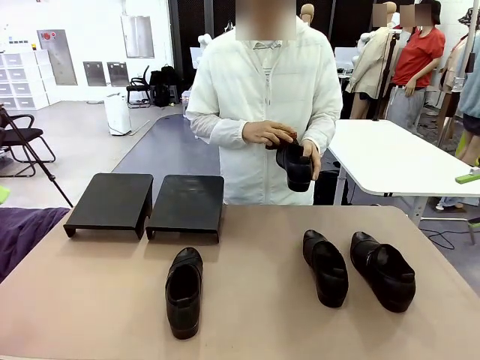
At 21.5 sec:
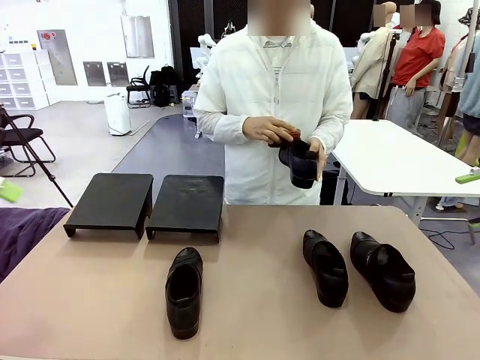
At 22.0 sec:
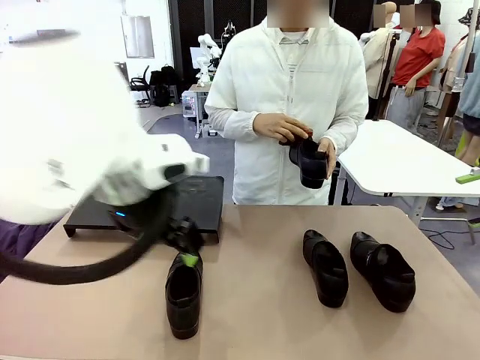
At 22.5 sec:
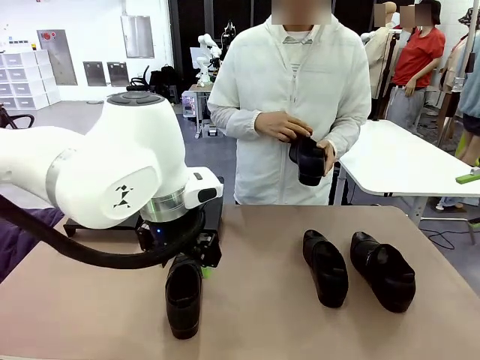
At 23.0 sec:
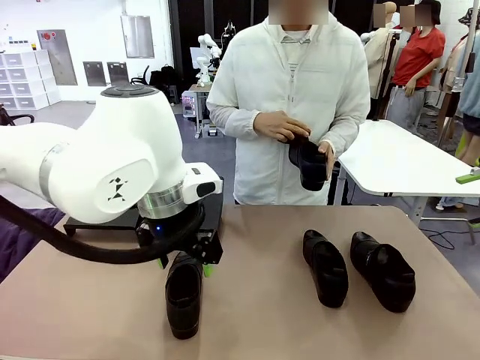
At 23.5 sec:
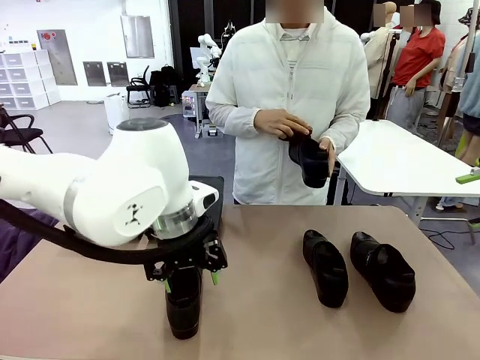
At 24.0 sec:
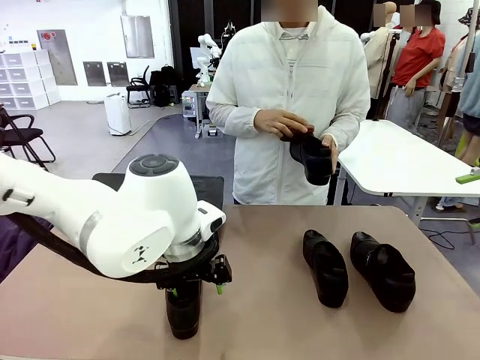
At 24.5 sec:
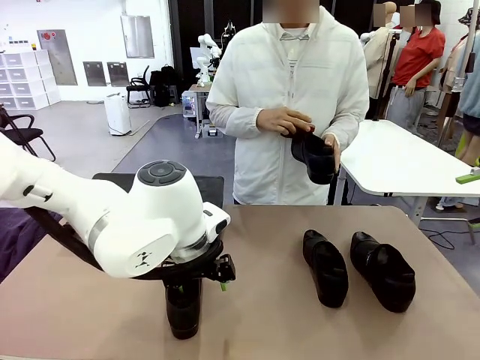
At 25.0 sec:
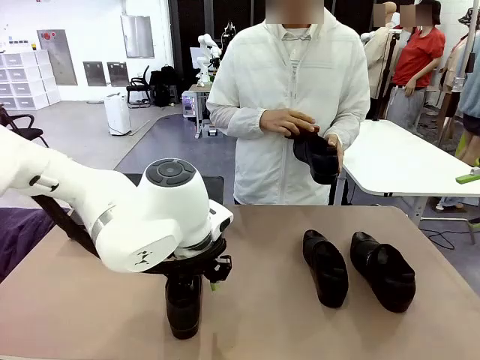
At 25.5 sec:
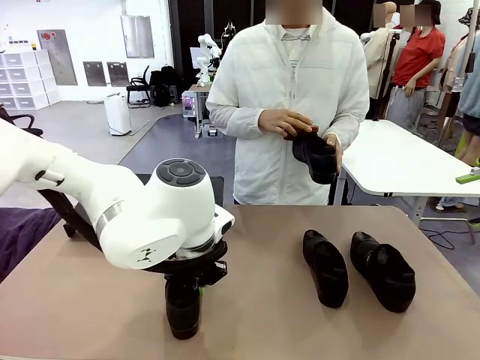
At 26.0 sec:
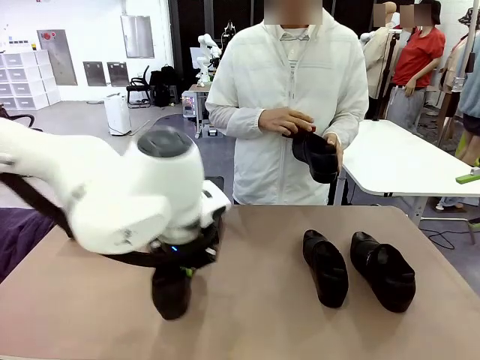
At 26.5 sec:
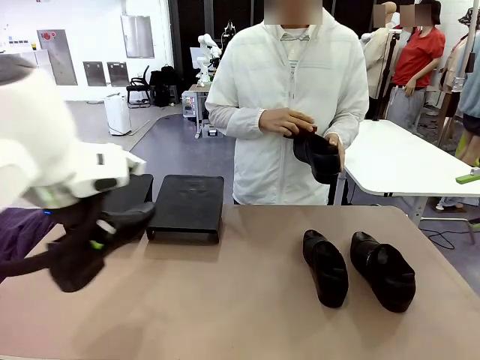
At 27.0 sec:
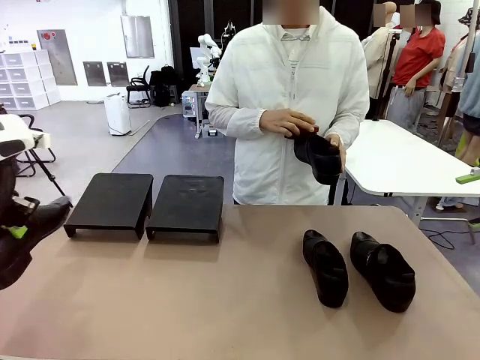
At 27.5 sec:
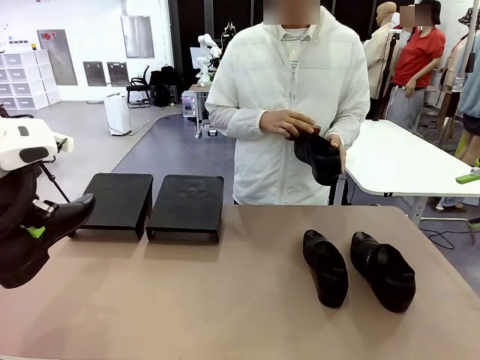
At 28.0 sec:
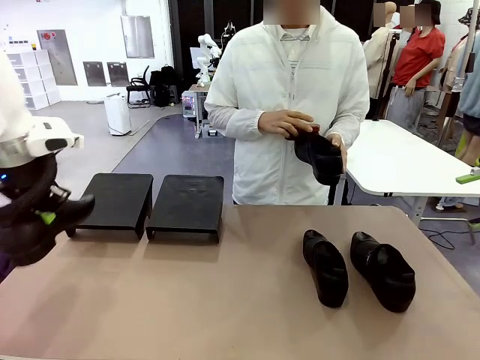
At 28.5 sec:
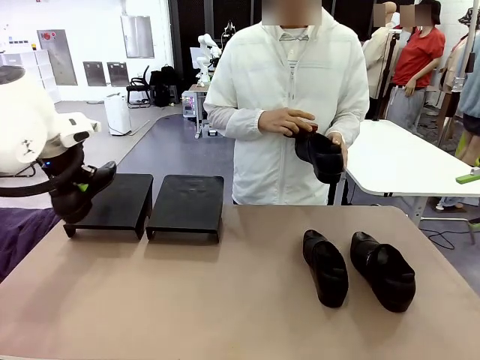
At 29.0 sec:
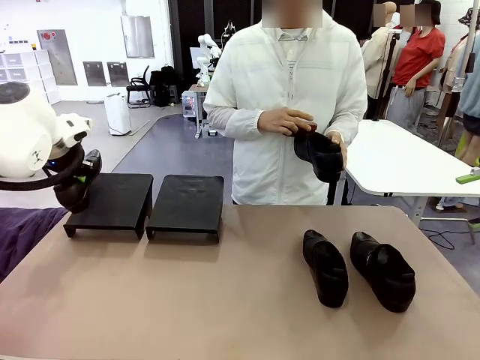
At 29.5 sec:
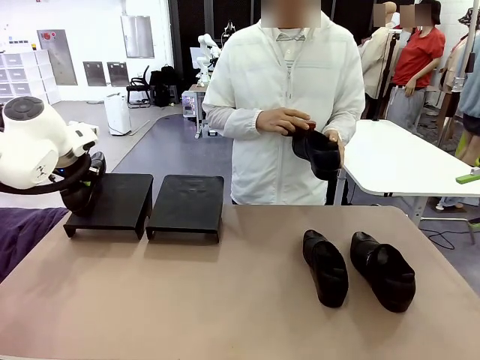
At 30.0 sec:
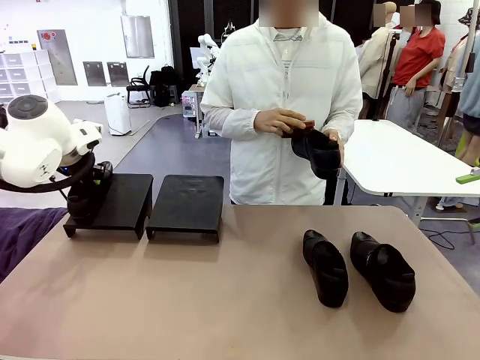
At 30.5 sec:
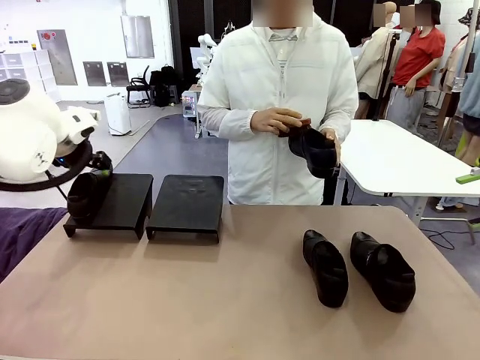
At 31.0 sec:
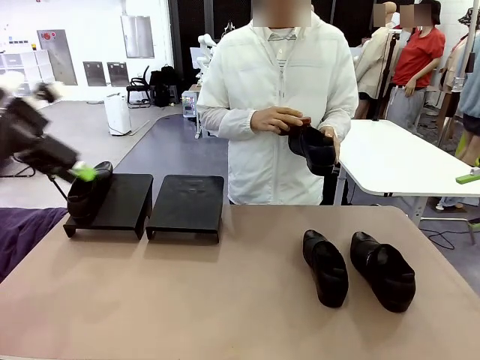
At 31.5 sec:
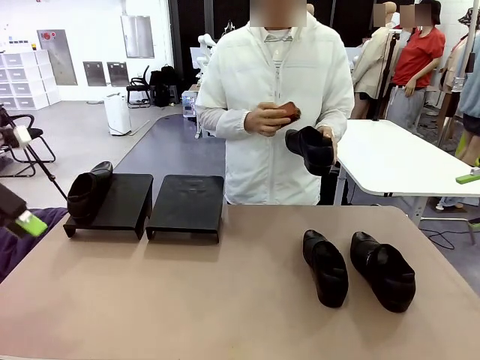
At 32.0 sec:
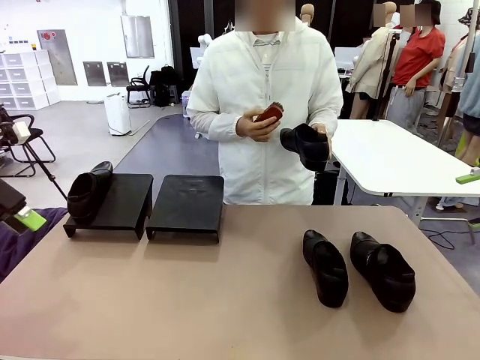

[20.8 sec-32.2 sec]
Task: Organize the shoes by placing them on the stand.
Robot: Place the Shoe from the middle of the table onto the Shoes Stand.
Person: Clean the Shoe with the Shoe Brush.

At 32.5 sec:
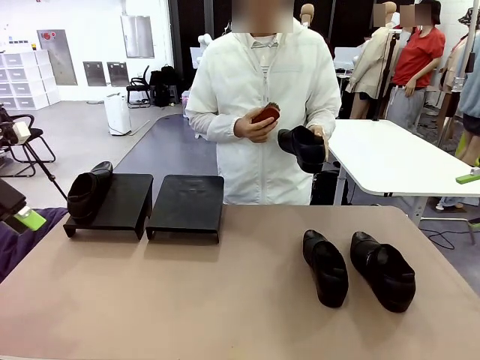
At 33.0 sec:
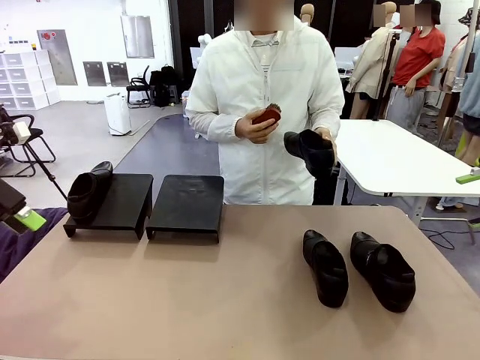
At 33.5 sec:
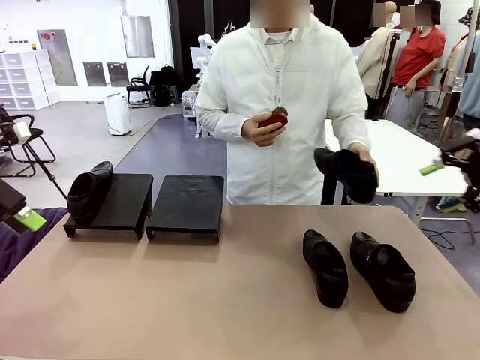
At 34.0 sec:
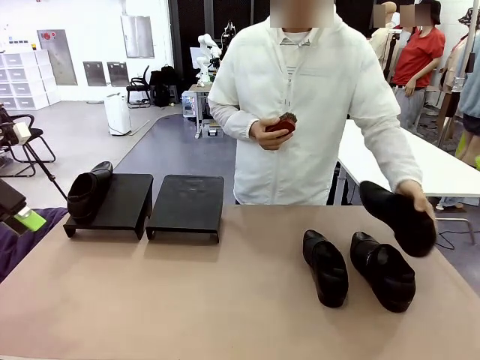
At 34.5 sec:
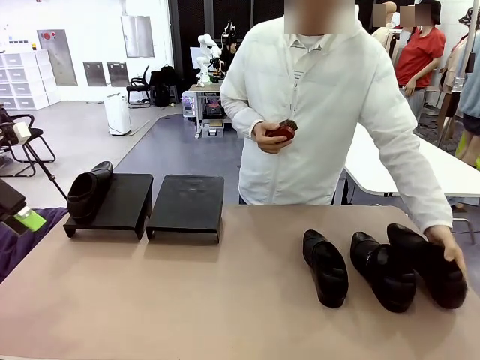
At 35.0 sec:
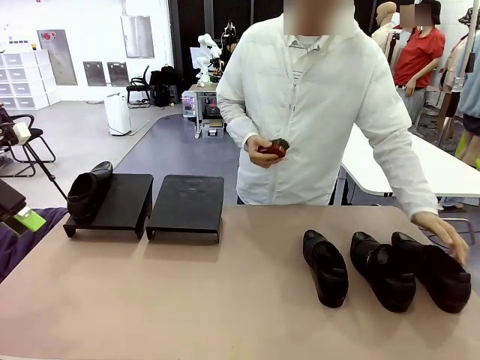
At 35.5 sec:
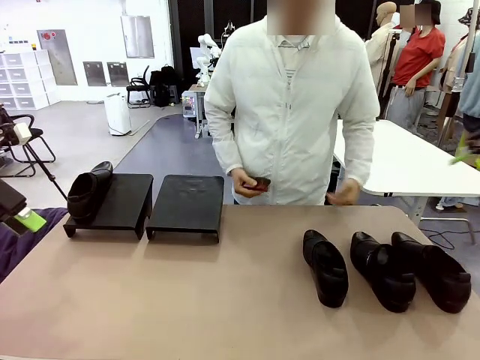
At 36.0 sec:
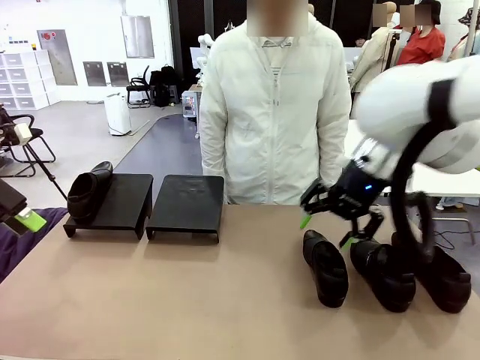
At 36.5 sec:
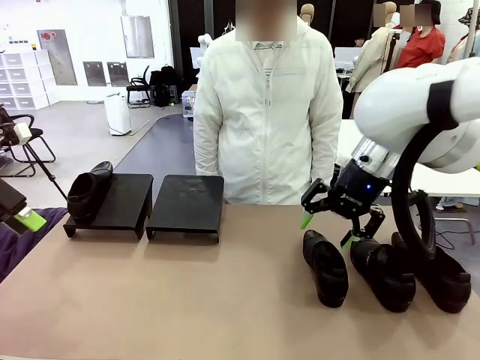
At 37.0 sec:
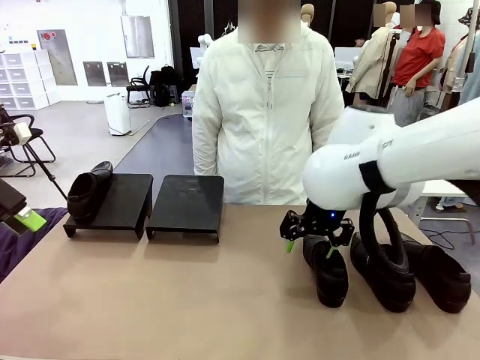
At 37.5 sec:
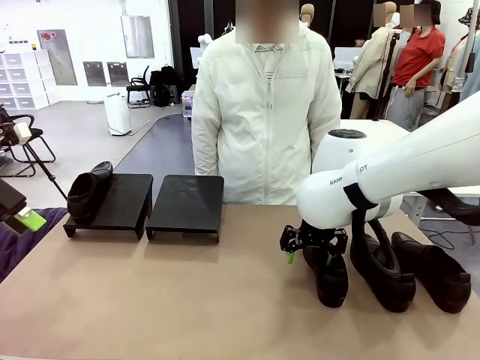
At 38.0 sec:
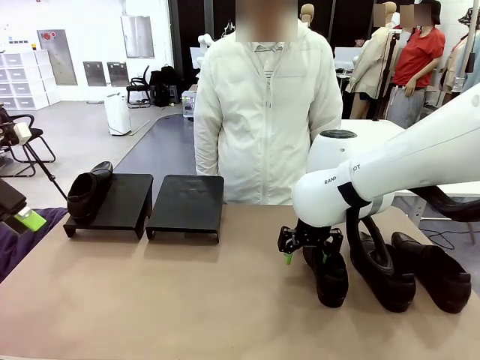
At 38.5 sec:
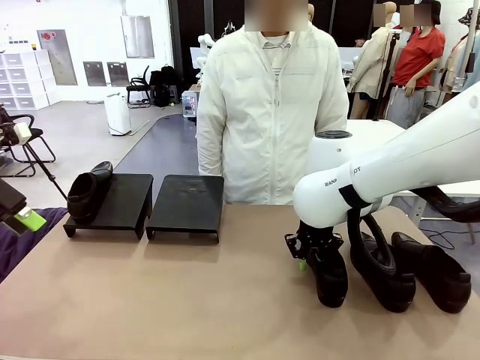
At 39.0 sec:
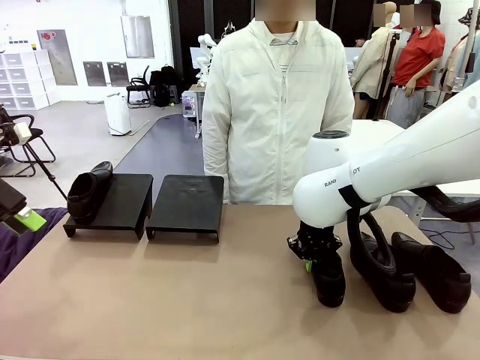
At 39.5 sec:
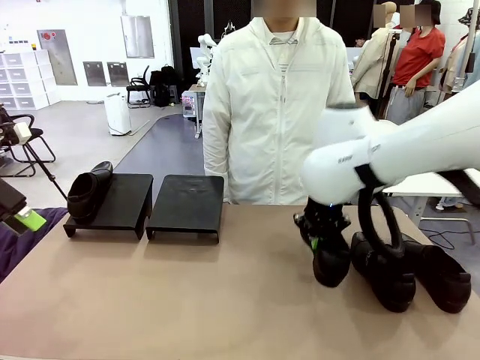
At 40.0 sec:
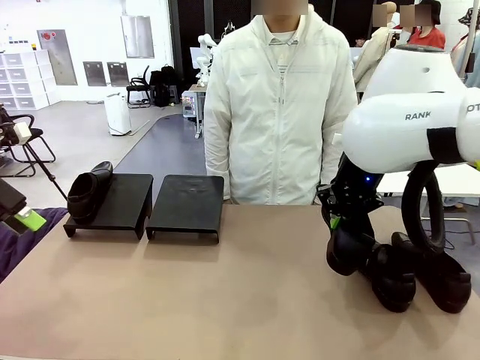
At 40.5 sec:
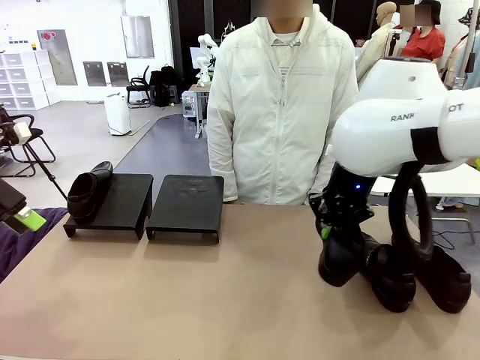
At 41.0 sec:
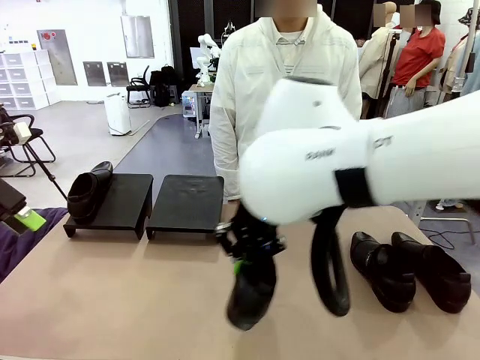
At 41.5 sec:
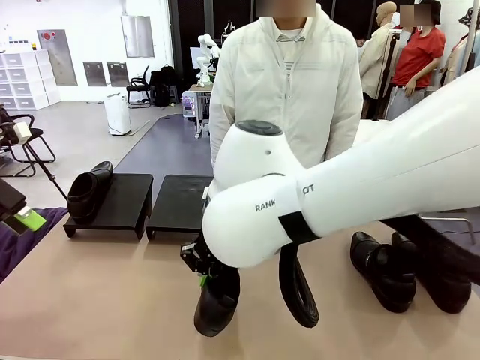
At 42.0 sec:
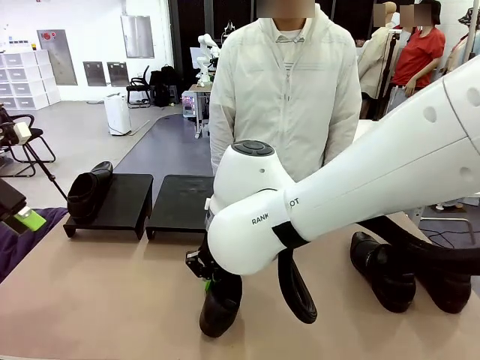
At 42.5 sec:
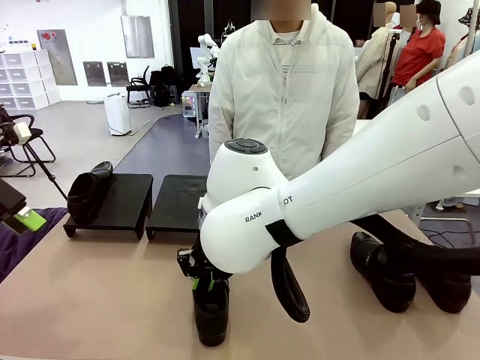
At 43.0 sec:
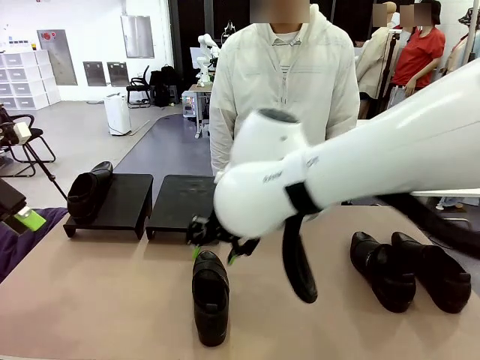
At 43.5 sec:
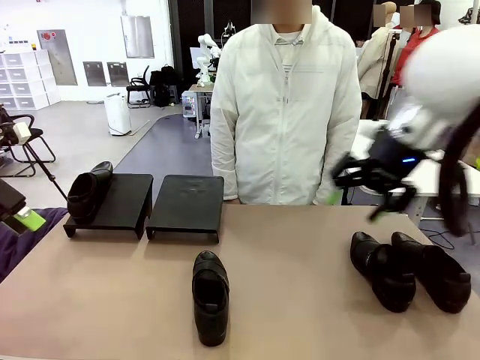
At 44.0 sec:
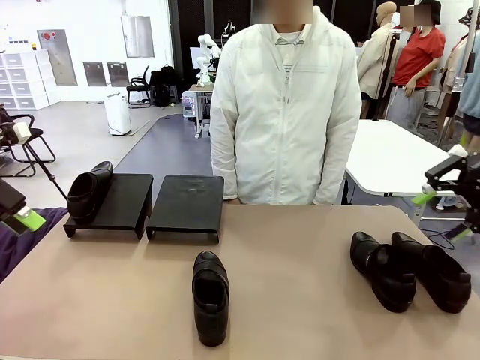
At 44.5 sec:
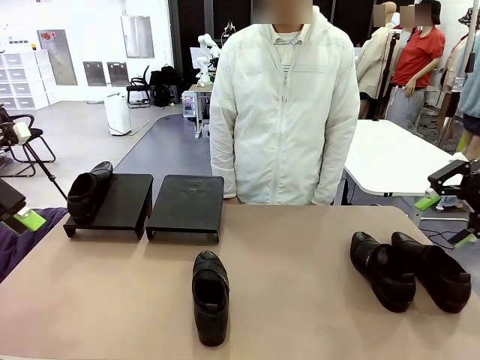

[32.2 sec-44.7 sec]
Robot: Pick up one Shoe and place it in the middle of the table.
